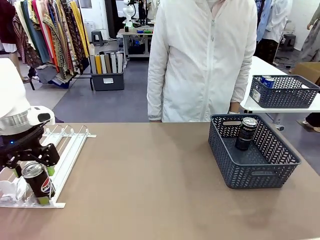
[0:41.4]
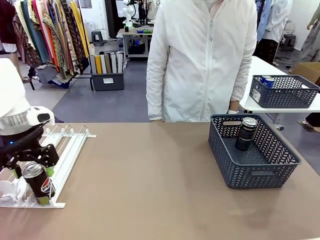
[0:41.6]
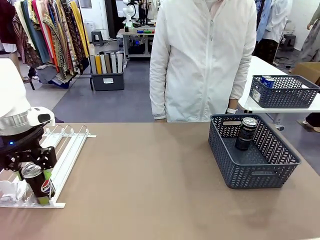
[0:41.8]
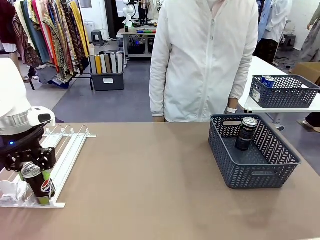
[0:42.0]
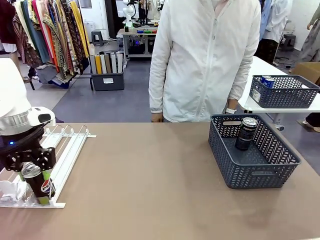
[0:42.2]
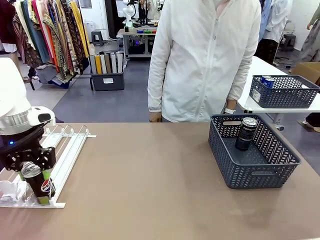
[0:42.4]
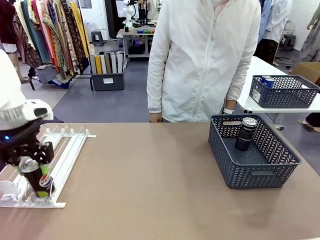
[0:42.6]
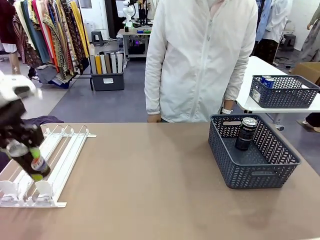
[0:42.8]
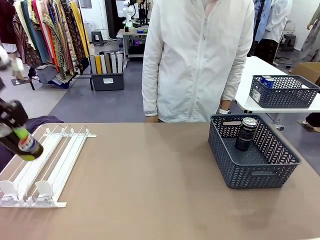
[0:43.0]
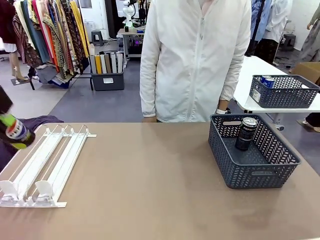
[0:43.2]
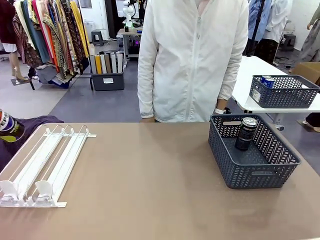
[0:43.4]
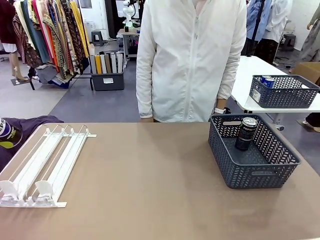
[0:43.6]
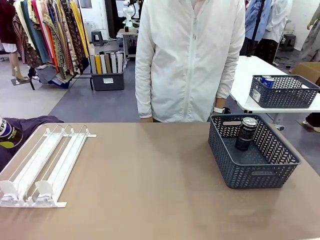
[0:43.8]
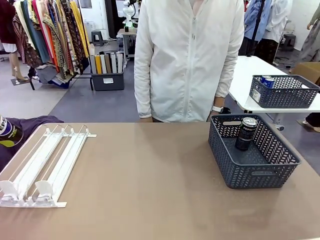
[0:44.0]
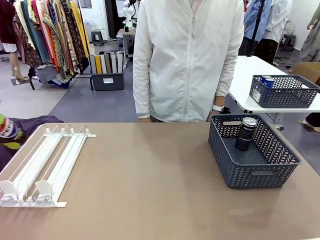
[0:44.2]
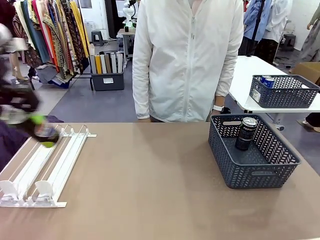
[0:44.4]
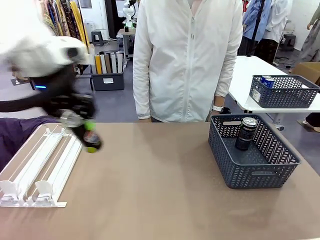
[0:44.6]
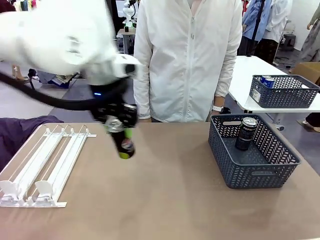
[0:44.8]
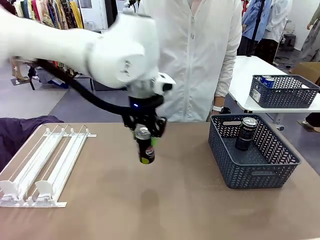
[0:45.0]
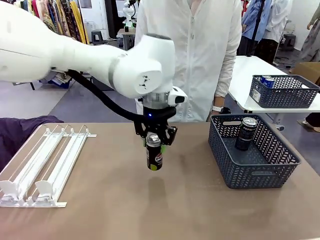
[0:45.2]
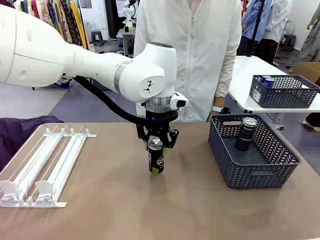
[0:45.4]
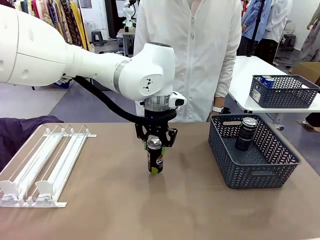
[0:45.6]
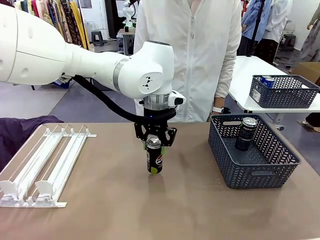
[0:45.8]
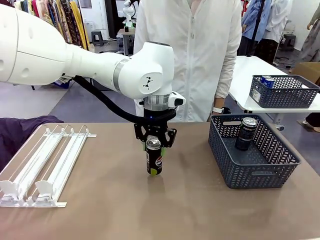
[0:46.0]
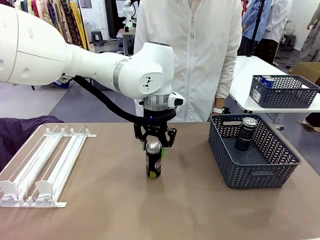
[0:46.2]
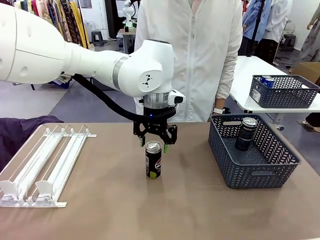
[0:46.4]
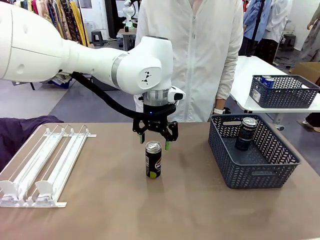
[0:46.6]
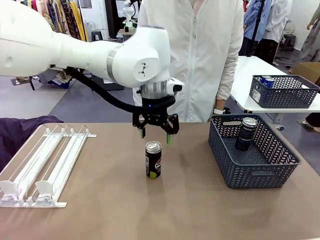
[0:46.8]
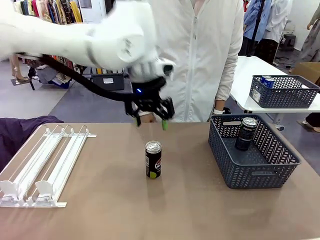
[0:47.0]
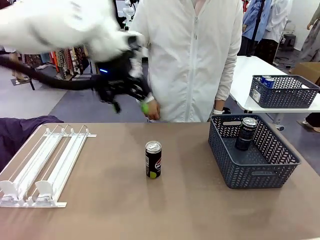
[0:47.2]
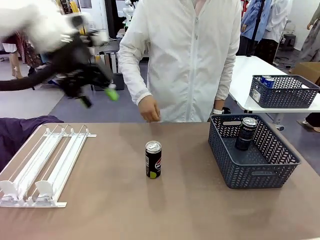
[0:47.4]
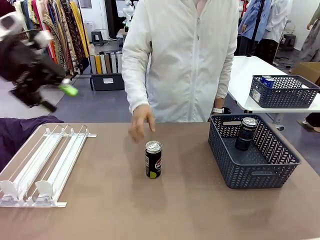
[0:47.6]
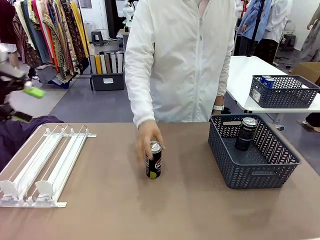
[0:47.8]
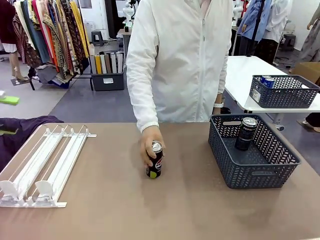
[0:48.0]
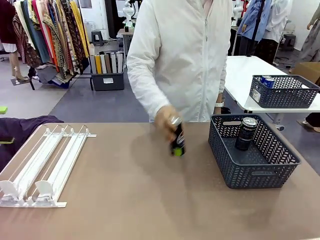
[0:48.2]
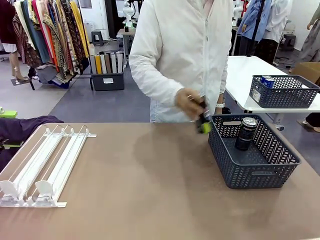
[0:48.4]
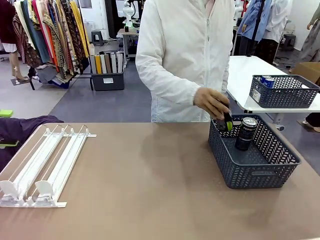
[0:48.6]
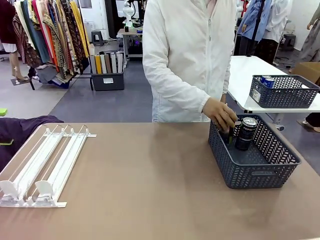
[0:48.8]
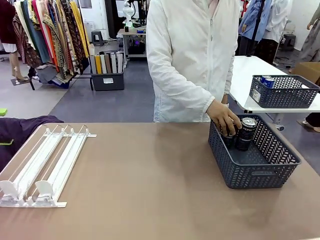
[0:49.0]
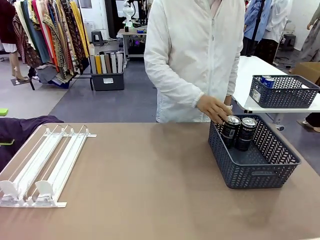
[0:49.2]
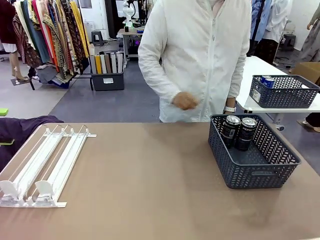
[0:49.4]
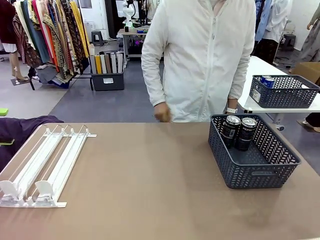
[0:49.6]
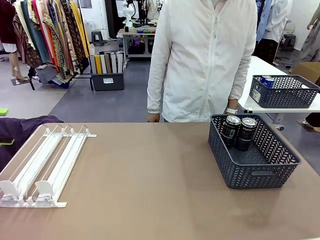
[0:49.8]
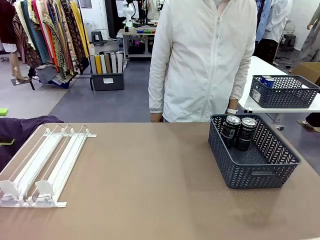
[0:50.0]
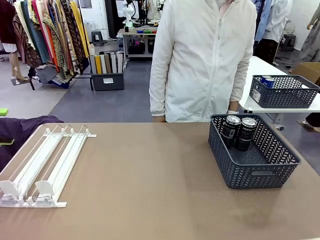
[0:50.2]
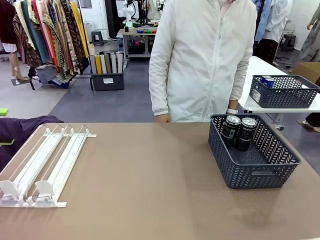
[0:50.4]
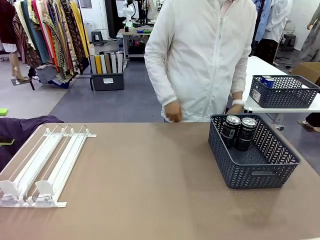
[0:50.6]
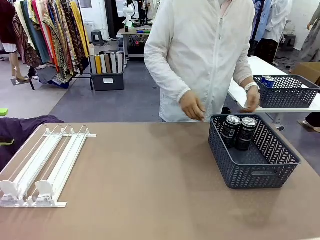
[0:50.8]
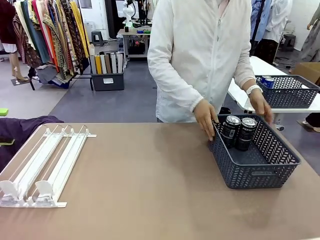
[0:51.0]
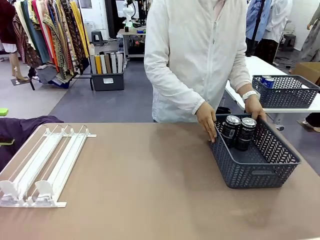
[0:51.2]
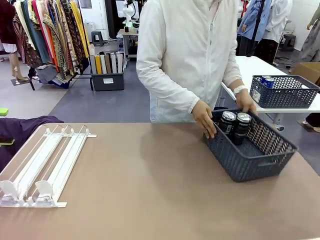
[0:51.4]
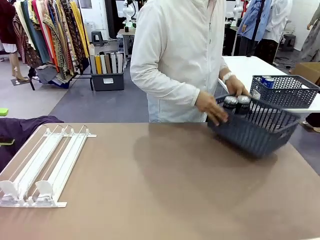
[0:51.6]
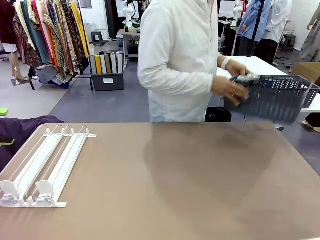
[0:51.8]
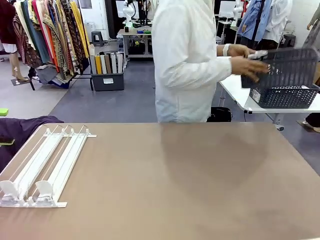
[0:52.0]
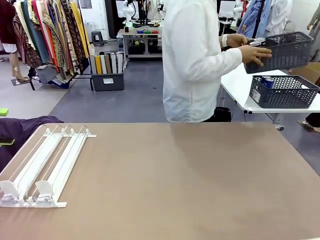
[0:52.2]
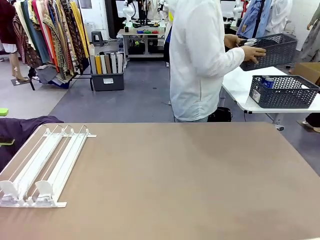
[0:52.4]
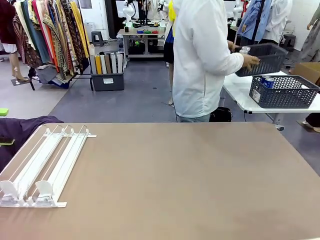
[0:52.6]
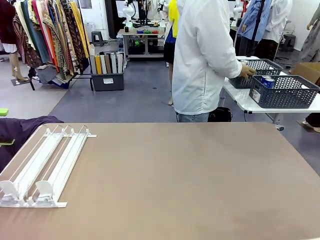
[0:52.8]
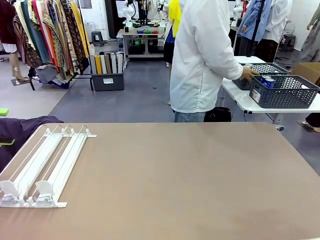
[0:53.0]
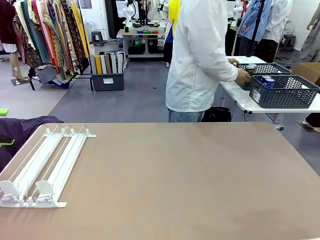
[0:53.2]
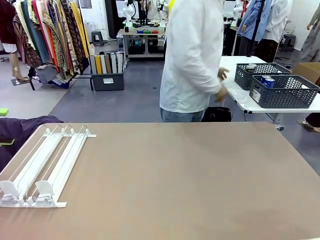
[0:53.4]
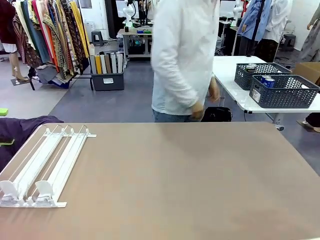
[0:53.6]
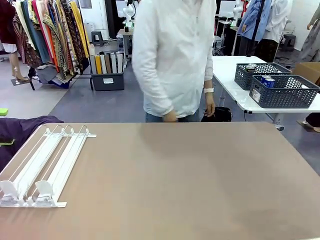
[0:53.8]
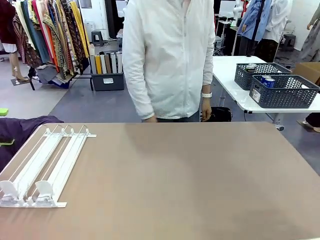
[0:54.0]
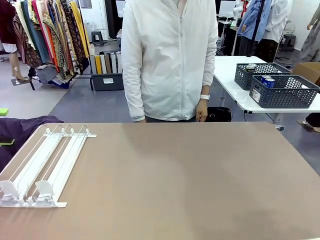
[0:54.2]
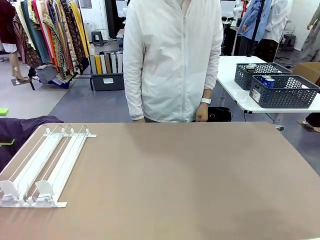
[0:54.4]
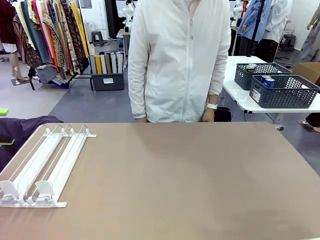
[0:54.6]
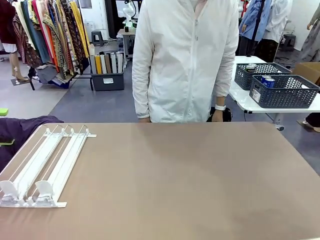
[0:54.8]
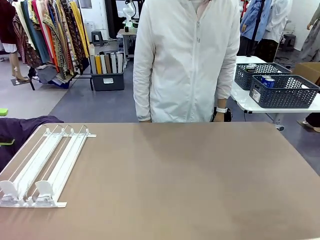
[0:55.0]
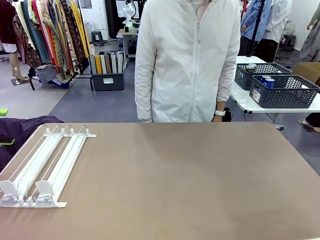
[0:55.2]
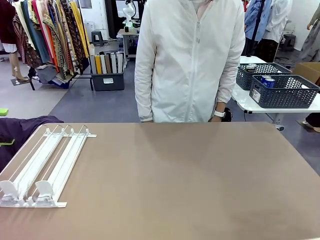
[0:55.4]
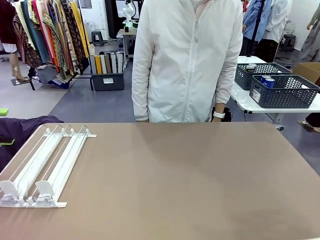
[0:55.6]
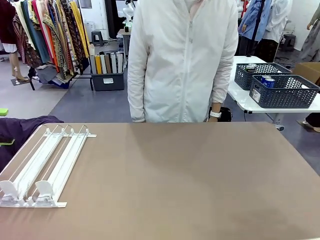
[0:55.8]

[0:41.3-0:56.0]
Task: Retrieve and store the cans from the dispenser.
Robot: Pick up one can from the Automatic Can Dispenser and place it in the middle of the table.
Person: Pick up one sports drink can from the middle of the robot table and place it in the basket. Pick up the basket and place it in the middle of the human table.
